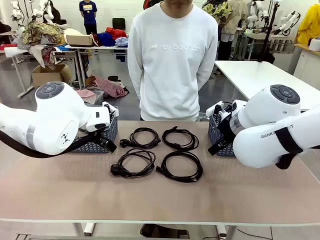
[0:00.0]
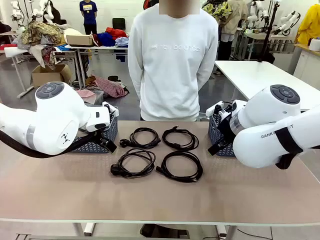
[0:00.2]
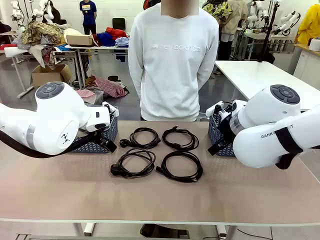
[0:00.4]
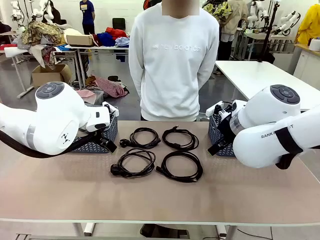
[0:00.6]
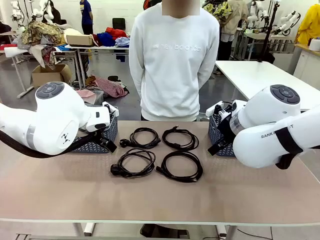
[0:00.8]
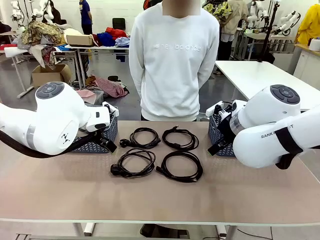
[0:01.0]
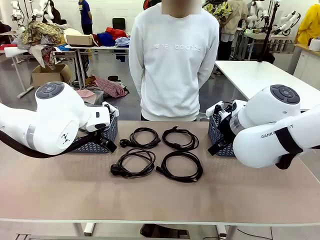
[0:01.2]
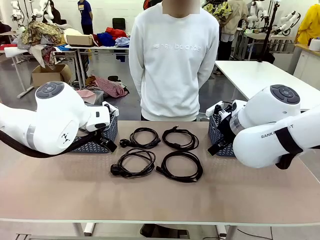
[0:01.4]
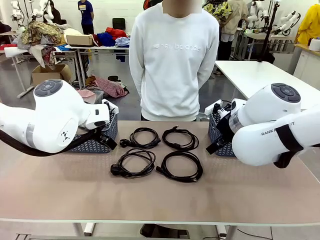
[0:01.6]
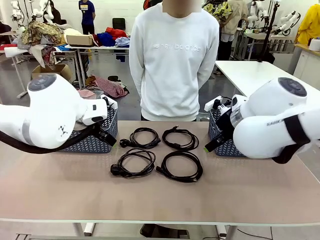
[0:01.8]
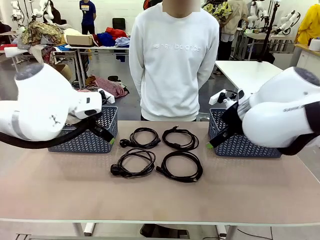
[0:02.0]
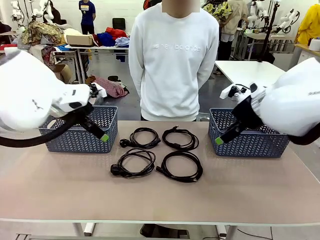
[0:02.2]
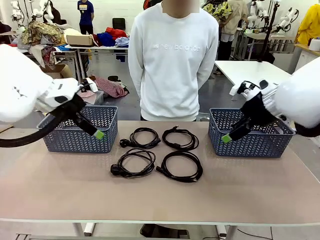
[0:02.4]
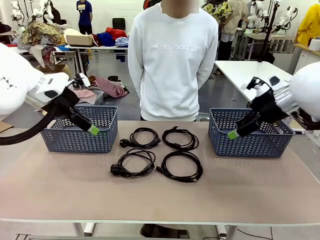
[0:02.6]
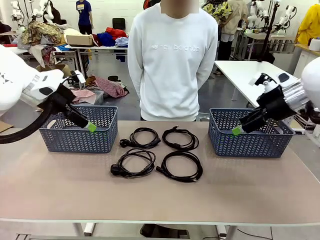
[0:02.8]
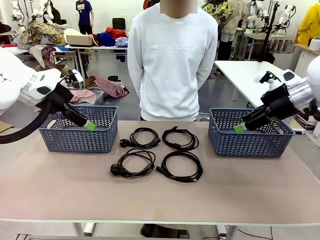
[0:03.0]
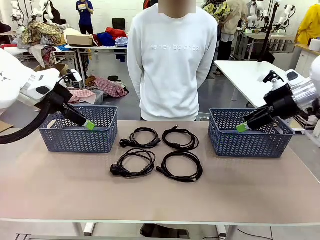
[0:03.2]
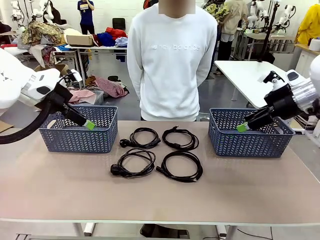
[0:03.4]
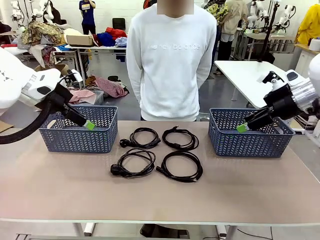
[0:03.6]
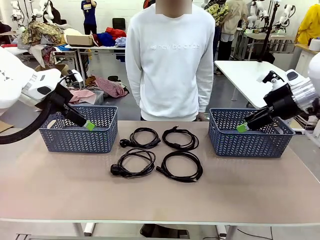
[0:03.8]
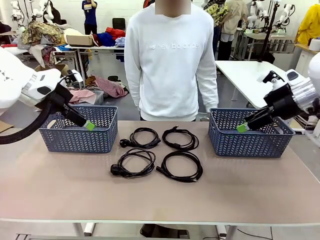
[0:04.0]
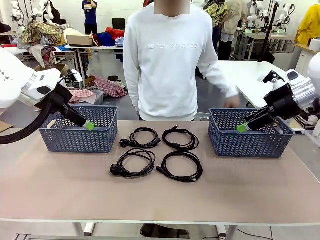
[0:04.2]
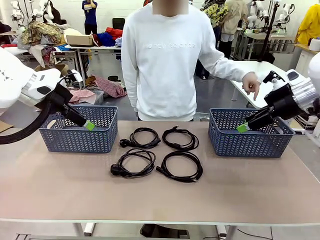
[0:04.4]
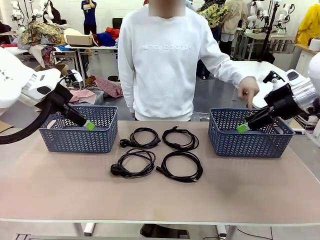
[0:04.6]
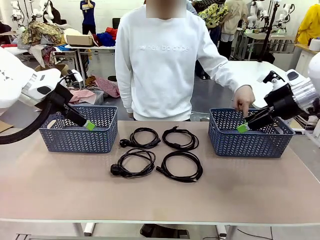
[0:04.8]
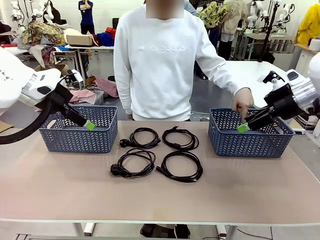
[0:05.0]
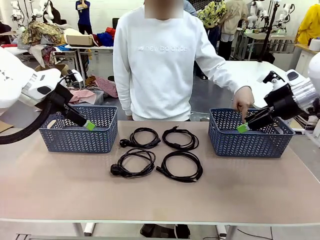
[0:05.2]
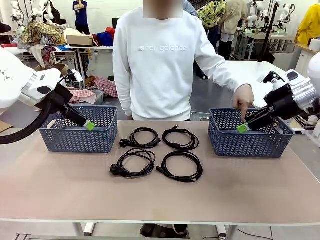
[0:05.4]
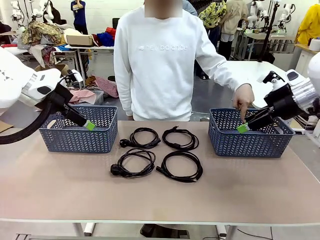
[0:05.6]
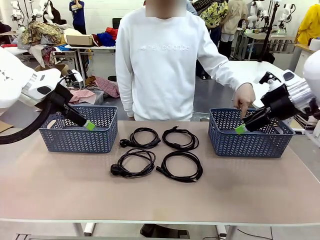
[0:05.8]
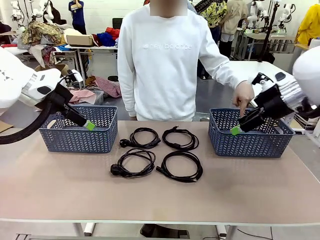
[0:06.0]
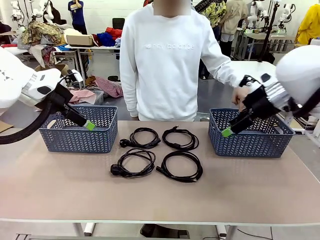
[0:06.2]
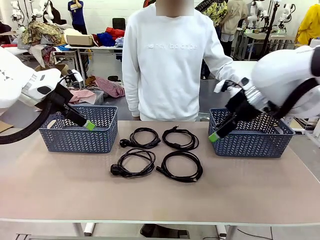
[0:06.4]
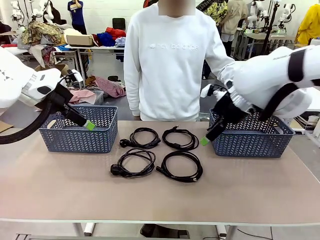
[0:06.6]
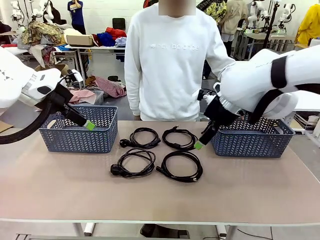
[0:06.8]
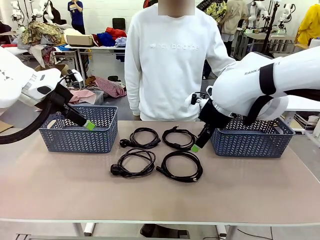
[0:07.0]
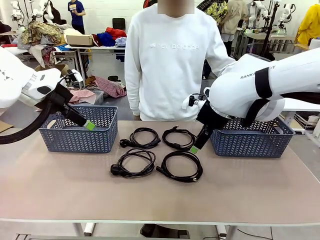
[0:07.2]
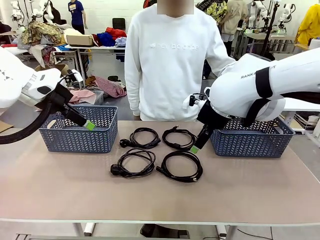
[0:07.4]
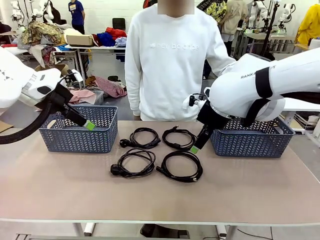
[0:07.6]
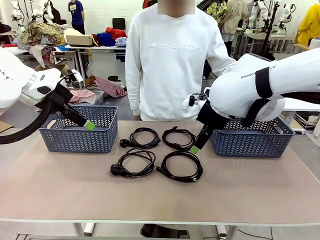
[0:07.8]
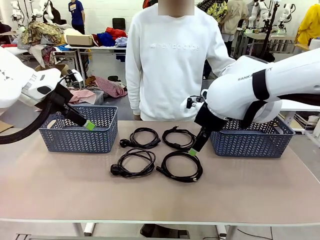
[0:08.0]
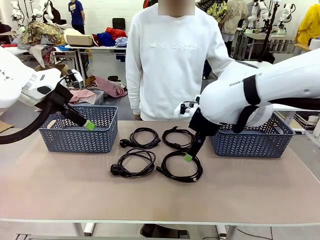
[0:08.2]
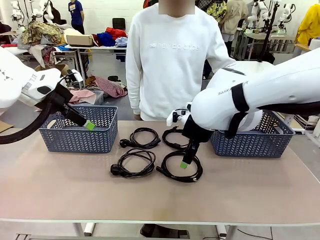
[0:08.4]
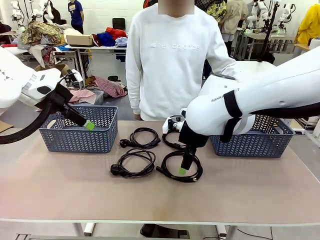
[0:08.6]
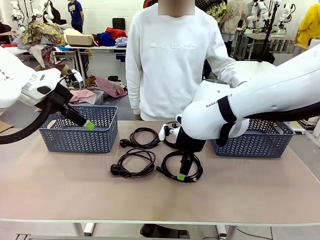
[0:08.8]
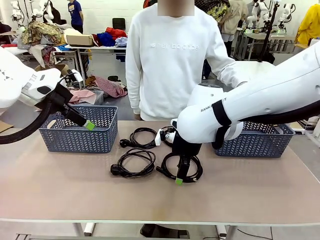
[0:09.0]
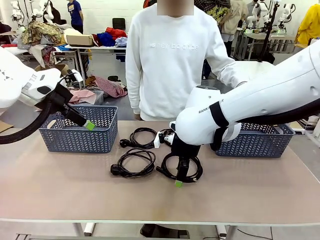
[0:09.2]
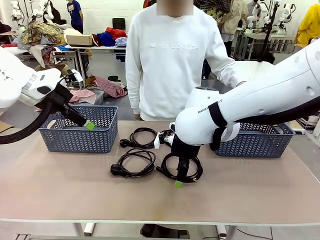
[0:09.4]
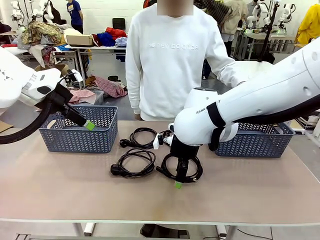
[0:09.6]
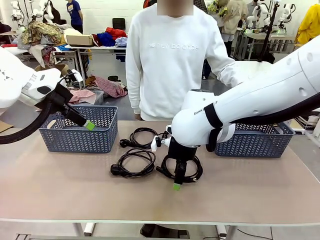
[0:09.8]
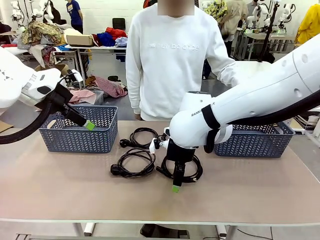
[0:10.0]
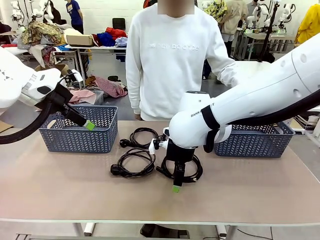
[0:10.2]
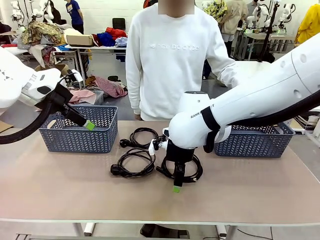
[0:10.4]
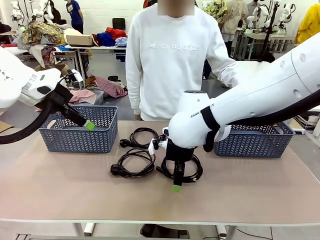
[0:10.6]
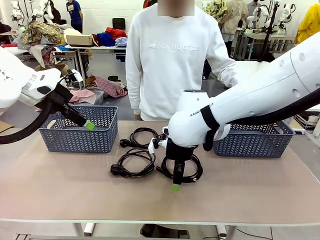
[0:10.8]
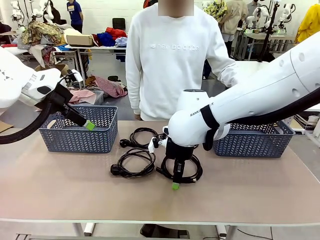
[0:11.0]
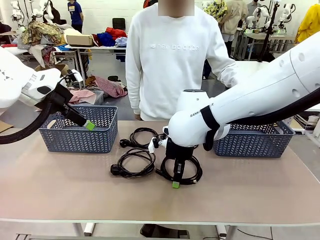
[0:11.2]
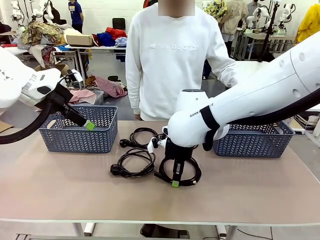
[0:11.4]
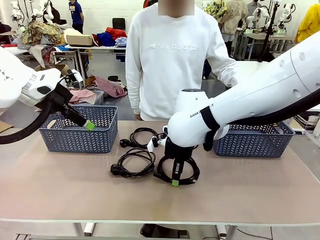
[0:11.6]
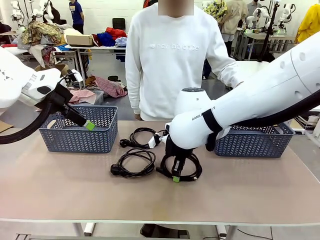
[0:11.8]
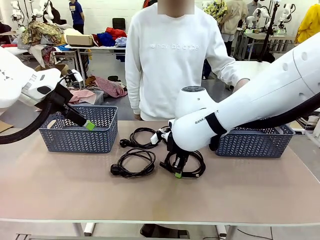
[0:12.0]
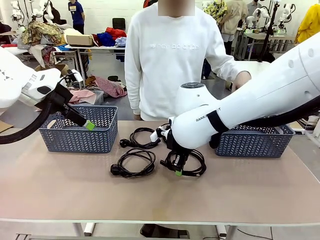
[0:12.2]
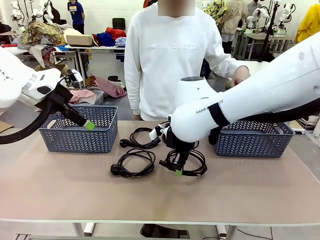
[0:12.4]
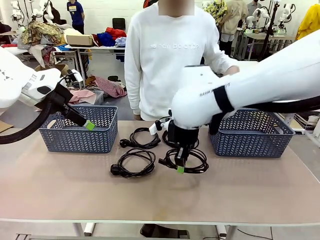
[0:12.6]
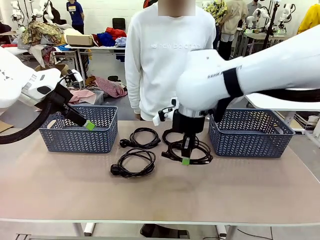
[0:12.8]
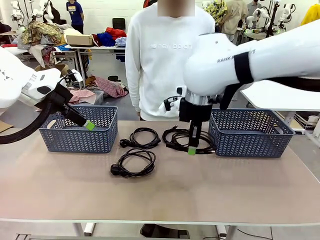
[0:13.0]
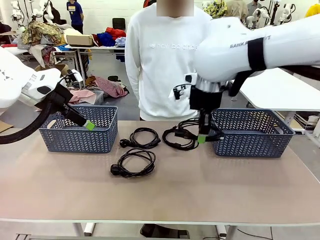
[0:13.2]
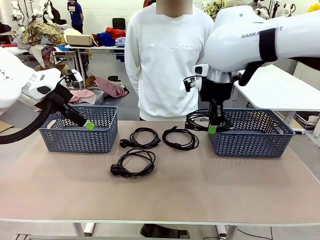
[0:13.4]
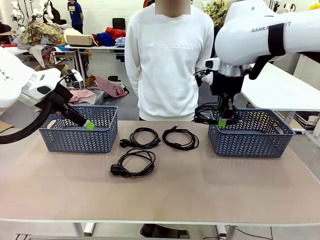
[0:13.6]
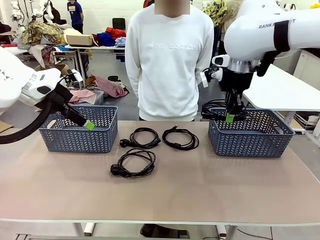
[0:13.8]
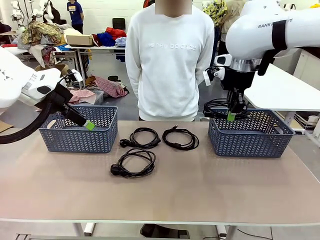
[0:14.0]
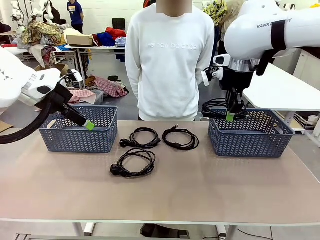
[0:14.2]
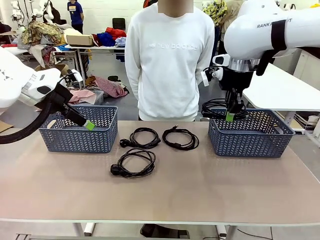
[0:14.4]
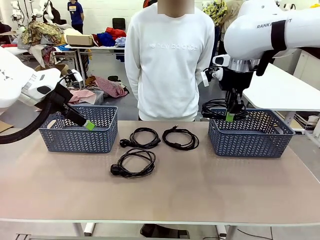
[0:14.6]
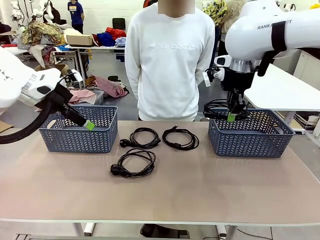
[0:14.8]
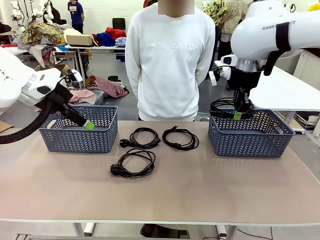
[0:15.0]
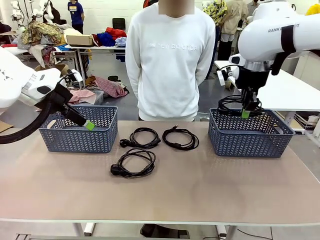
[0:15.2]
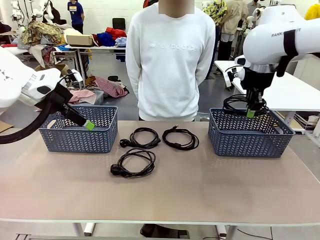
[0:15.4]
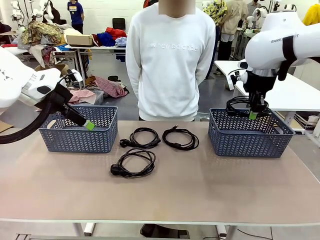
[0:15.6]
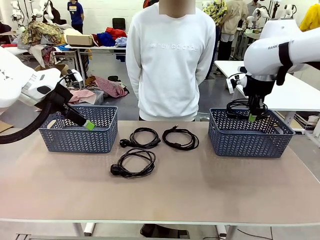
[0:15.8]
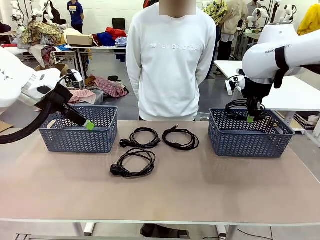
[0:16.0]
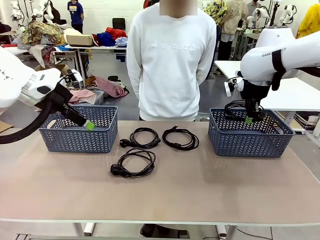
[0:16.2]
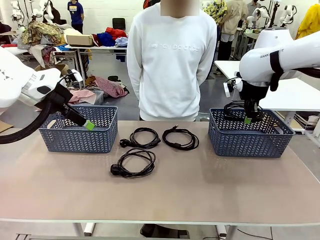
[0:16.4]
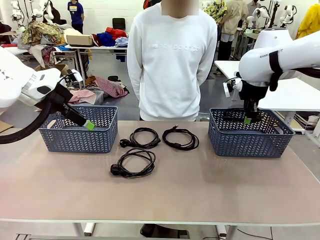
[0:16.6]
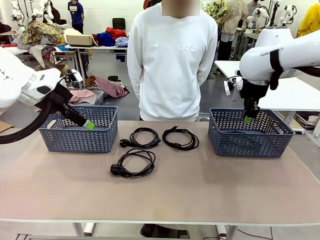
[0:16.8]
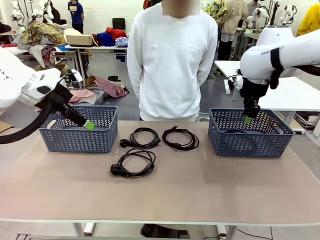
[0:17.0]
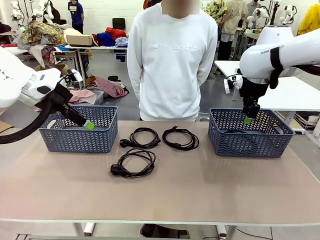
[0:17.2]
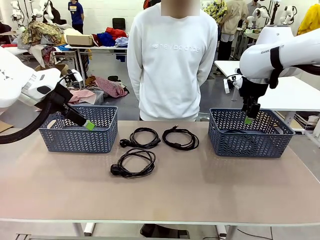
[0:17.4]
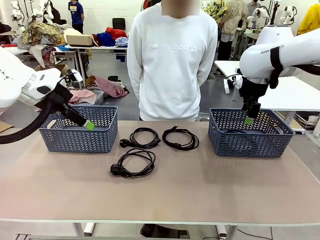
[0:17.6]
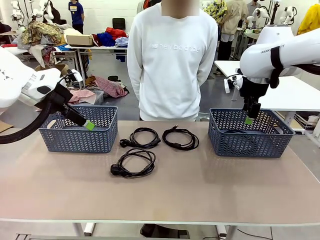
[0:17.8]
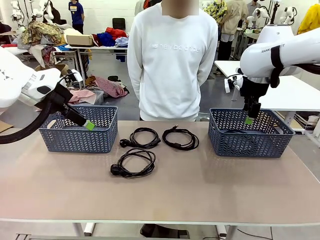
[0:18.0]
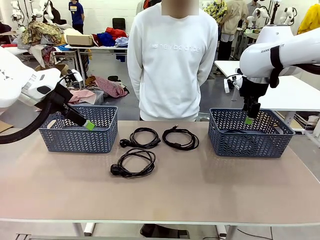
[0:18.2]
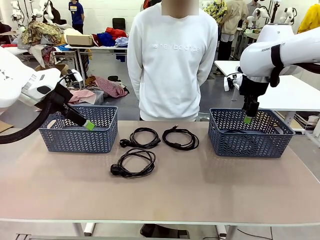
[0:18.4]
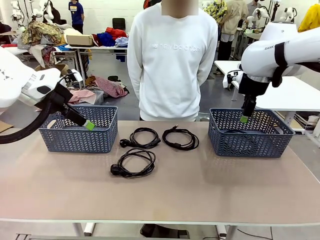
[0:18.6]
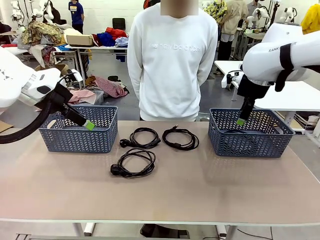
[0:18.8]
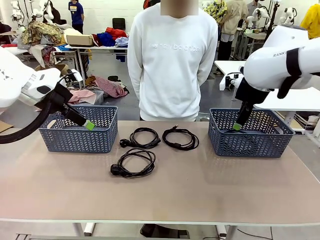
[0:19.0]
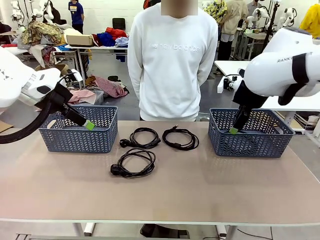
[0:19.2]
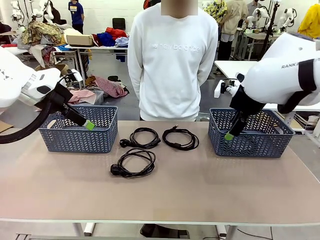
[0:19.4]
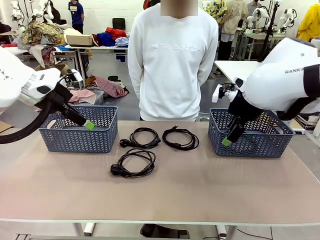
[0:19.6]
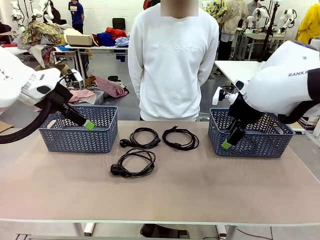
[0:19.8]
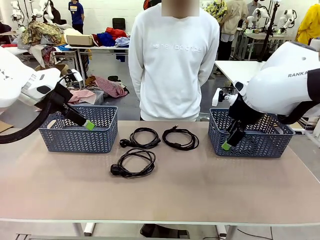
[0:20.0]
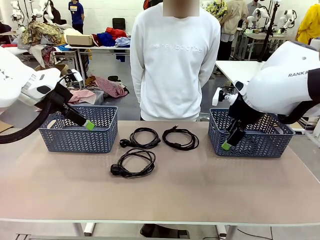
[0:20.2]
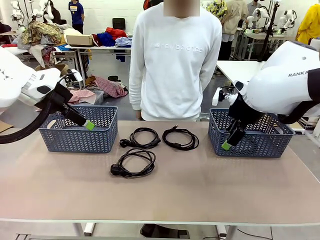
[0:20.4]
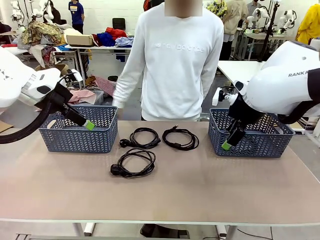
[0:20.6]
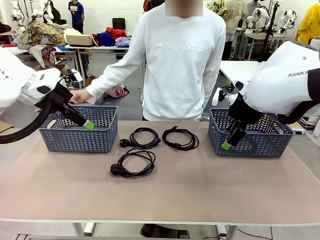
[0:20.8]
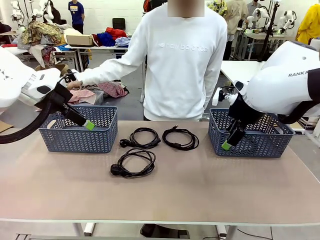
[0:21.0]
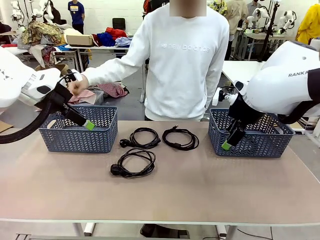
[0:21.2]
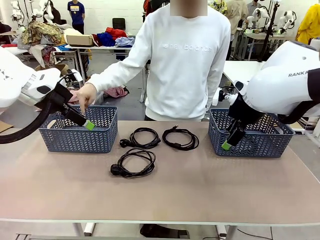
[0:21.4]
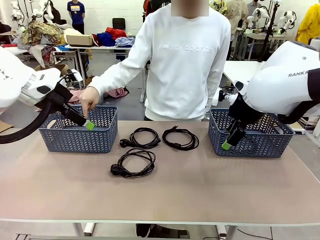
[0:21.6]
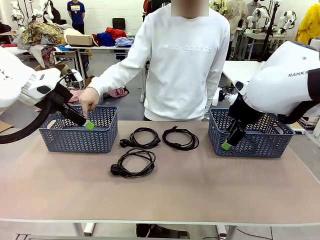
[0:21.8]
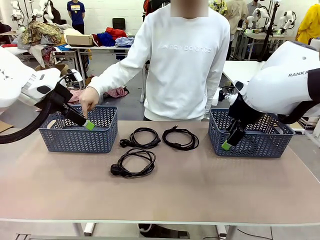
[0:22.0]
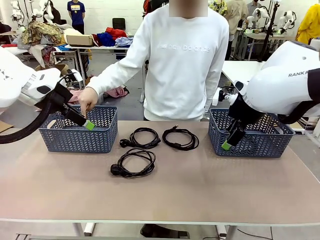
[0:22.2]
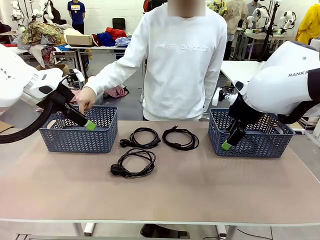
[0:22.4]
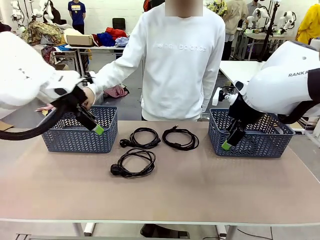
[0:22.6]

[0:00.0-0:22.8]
Task: Organize the cables according to human instructions.
Robot: Pick up a bundle of cables and place it in the basket indicated by the human.
